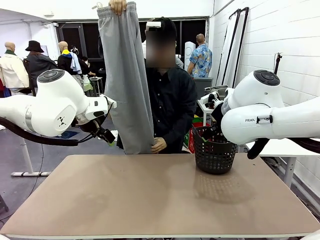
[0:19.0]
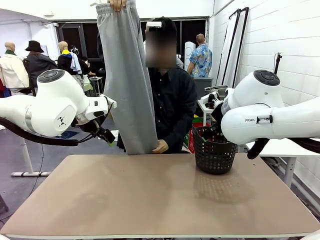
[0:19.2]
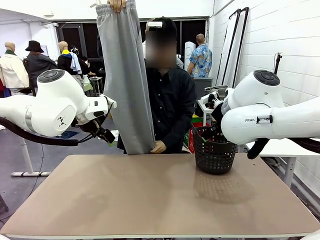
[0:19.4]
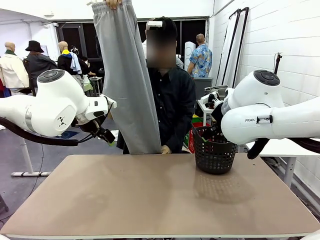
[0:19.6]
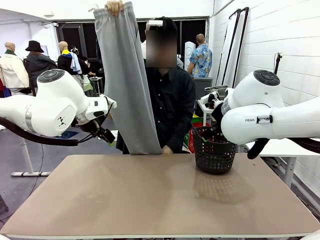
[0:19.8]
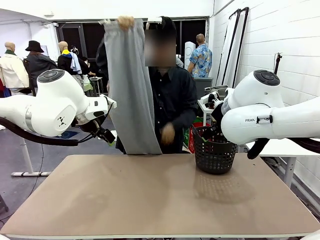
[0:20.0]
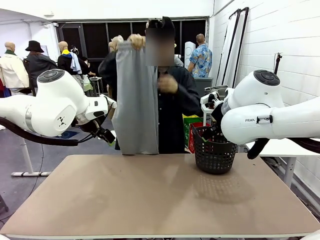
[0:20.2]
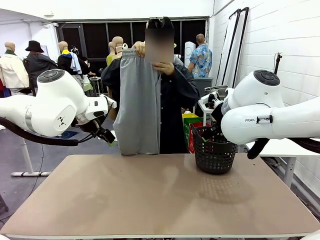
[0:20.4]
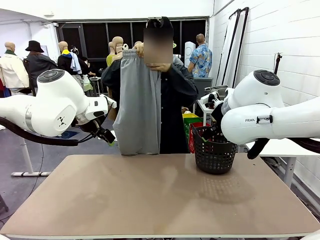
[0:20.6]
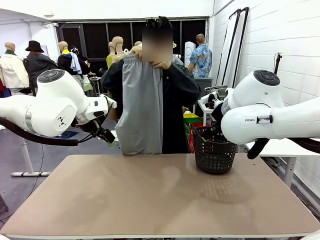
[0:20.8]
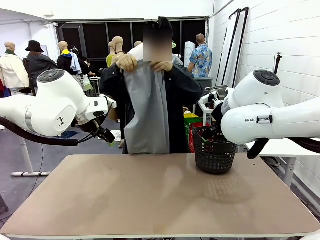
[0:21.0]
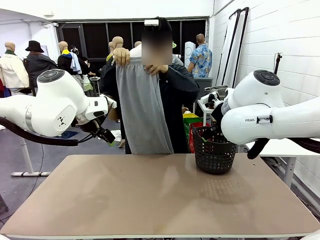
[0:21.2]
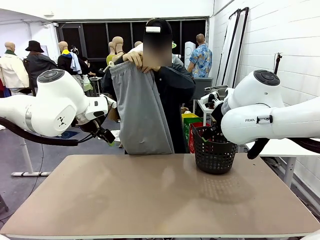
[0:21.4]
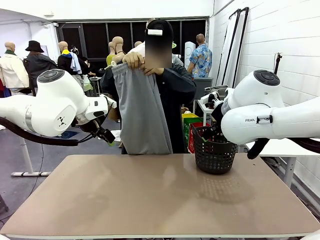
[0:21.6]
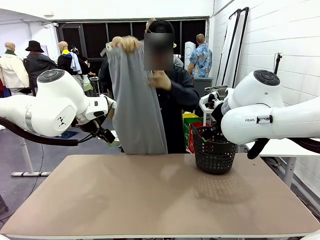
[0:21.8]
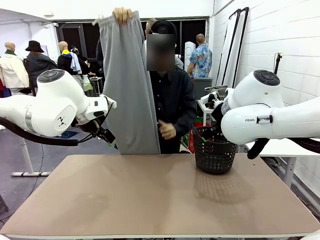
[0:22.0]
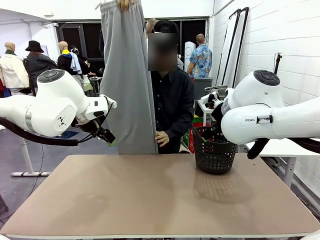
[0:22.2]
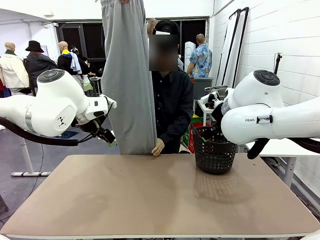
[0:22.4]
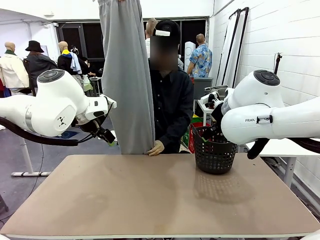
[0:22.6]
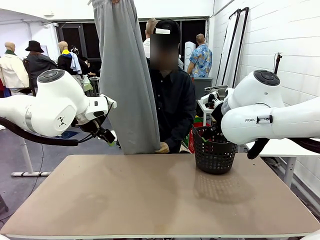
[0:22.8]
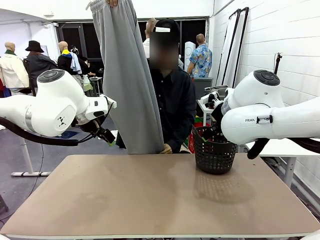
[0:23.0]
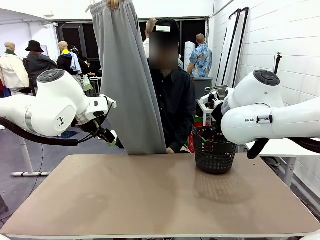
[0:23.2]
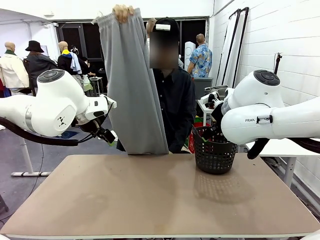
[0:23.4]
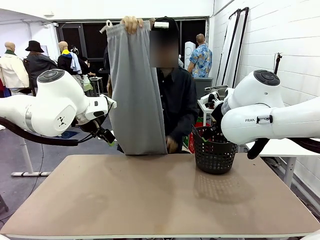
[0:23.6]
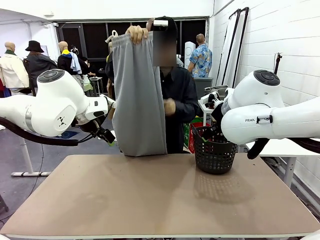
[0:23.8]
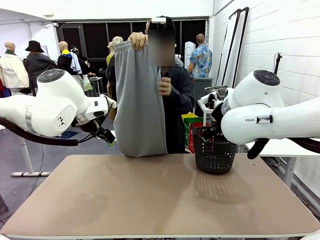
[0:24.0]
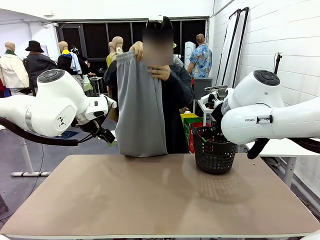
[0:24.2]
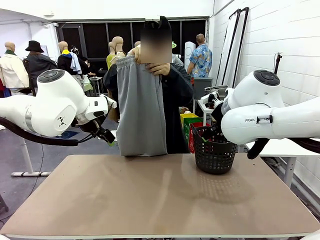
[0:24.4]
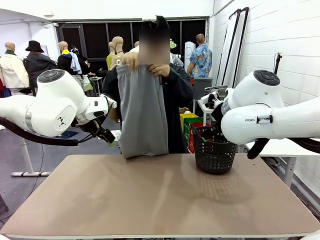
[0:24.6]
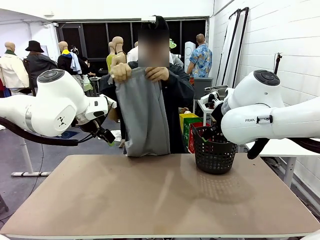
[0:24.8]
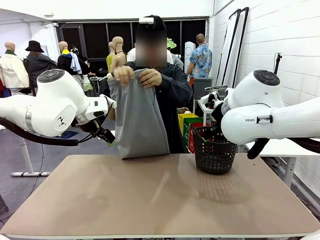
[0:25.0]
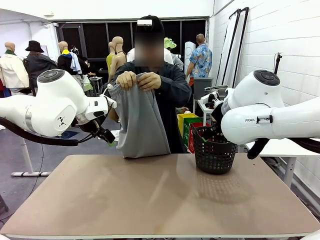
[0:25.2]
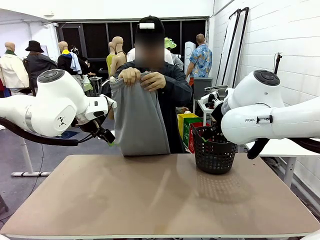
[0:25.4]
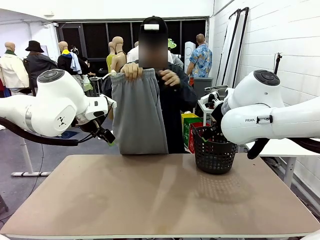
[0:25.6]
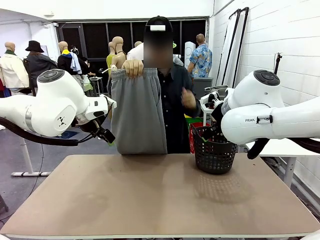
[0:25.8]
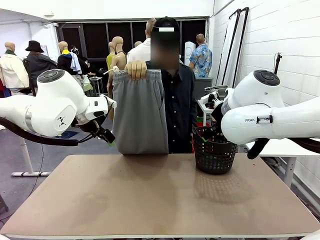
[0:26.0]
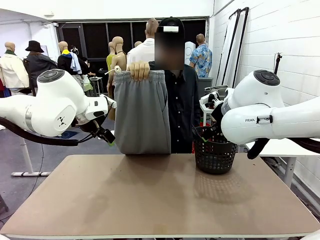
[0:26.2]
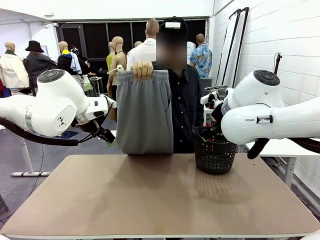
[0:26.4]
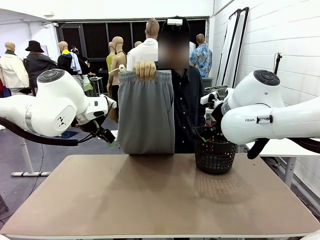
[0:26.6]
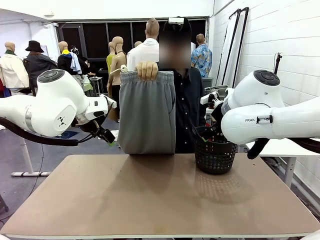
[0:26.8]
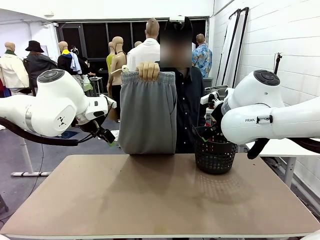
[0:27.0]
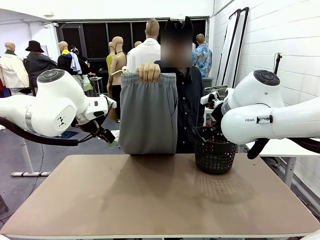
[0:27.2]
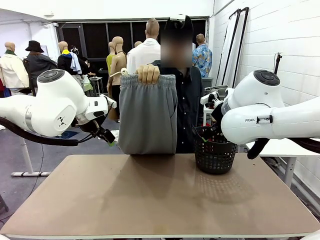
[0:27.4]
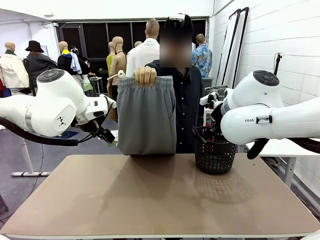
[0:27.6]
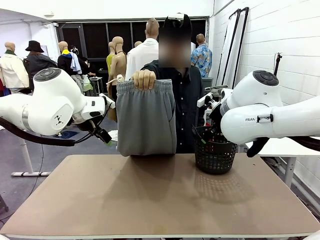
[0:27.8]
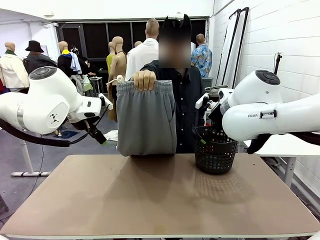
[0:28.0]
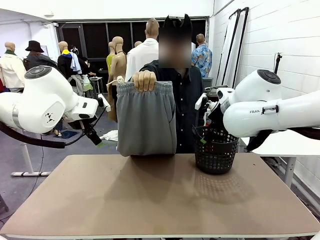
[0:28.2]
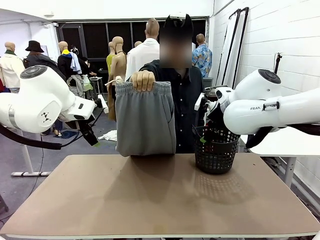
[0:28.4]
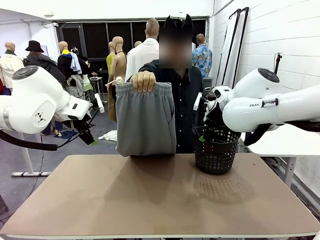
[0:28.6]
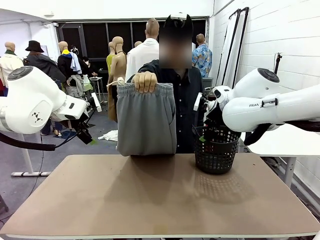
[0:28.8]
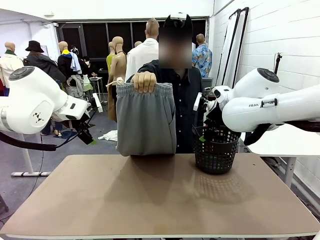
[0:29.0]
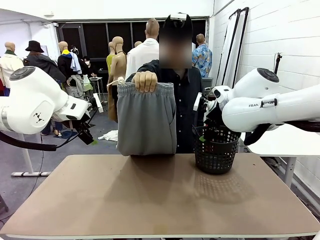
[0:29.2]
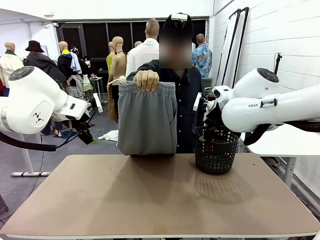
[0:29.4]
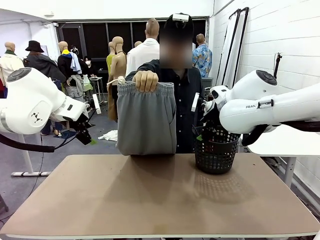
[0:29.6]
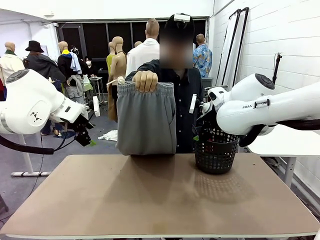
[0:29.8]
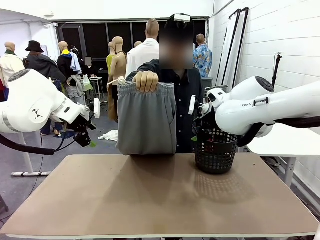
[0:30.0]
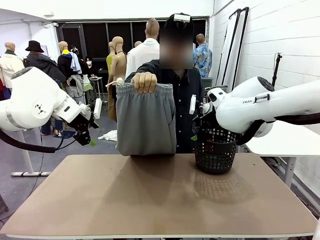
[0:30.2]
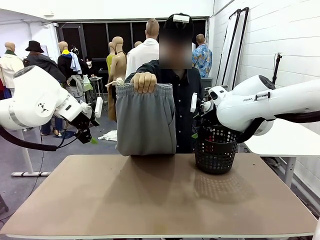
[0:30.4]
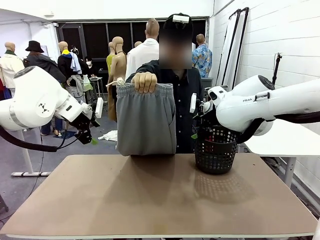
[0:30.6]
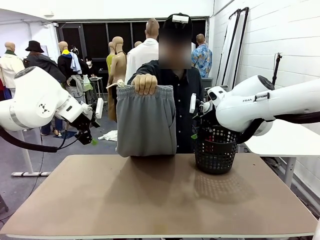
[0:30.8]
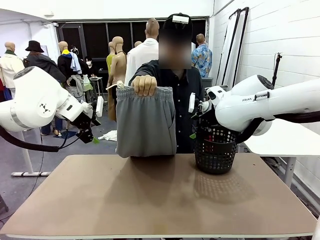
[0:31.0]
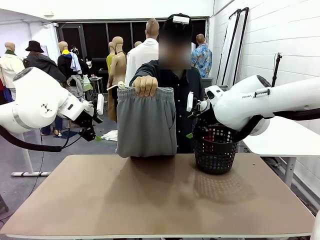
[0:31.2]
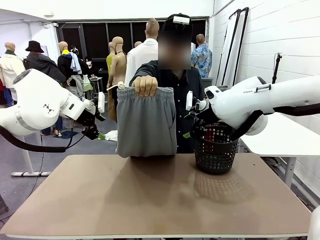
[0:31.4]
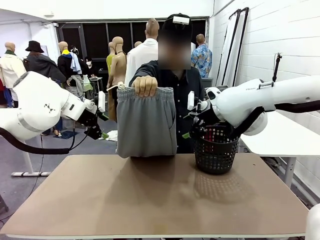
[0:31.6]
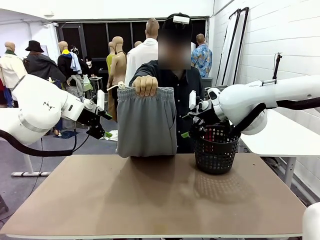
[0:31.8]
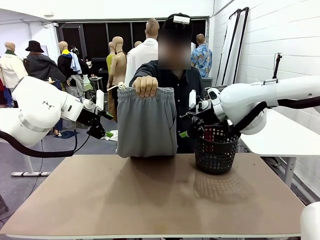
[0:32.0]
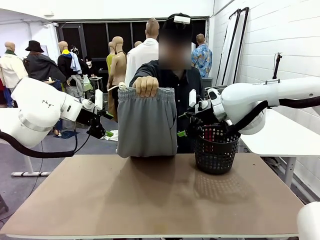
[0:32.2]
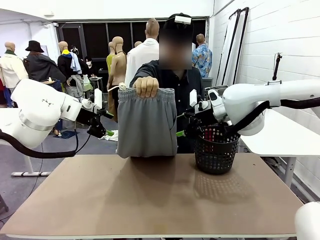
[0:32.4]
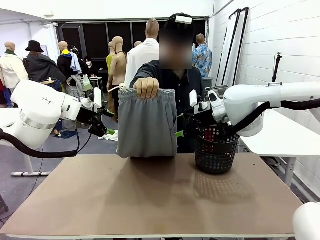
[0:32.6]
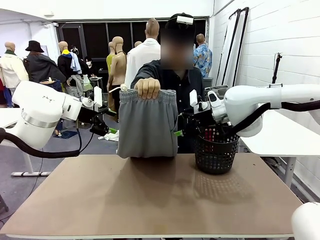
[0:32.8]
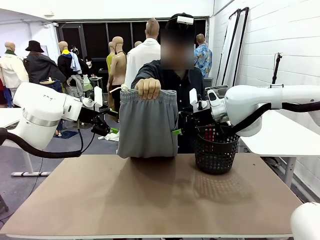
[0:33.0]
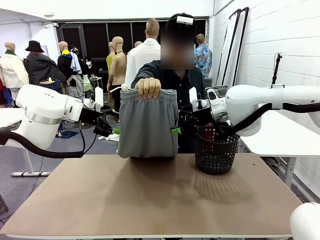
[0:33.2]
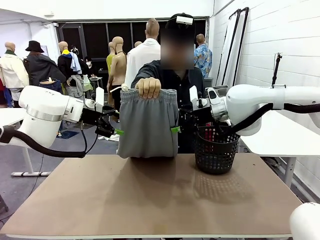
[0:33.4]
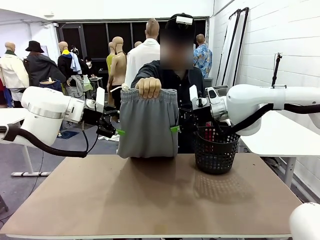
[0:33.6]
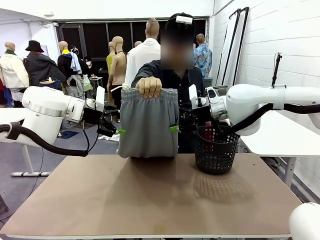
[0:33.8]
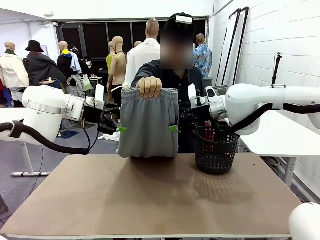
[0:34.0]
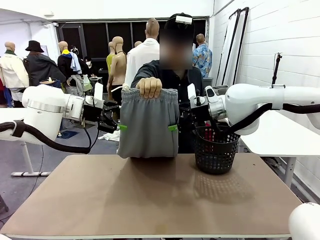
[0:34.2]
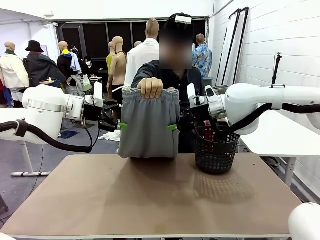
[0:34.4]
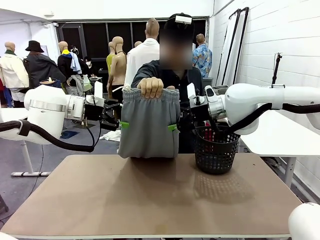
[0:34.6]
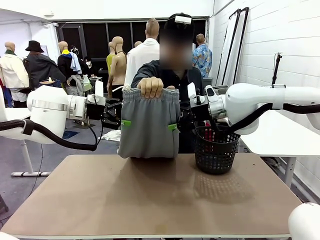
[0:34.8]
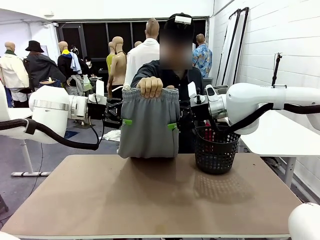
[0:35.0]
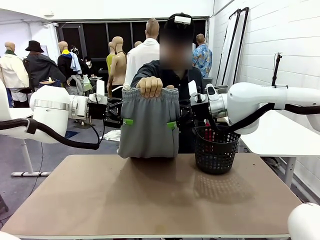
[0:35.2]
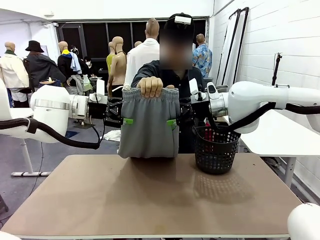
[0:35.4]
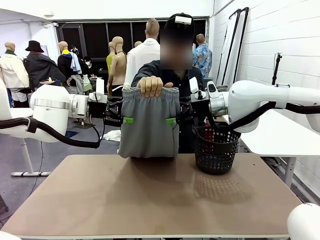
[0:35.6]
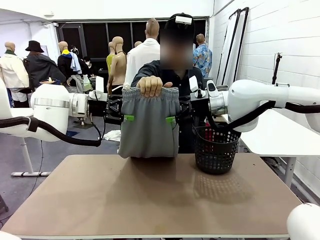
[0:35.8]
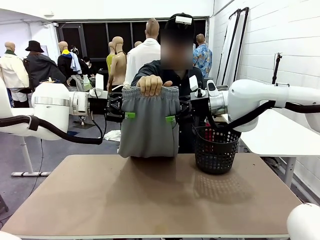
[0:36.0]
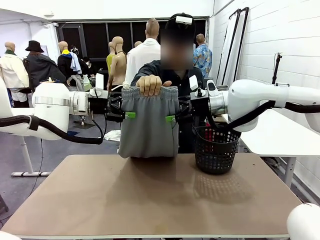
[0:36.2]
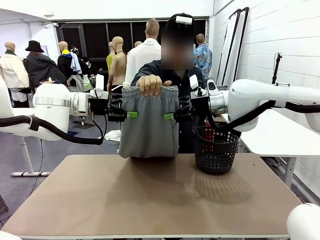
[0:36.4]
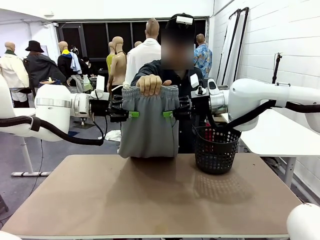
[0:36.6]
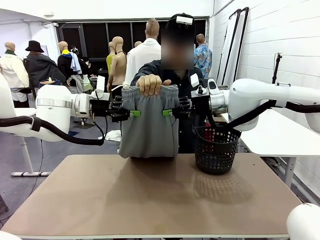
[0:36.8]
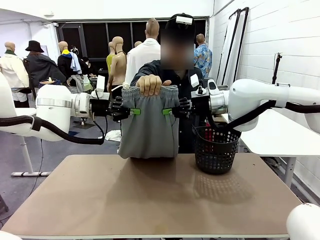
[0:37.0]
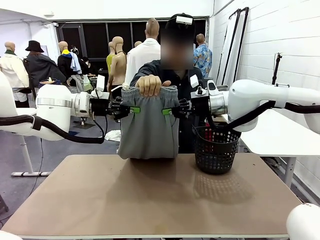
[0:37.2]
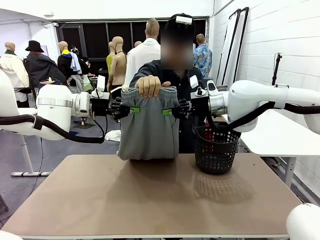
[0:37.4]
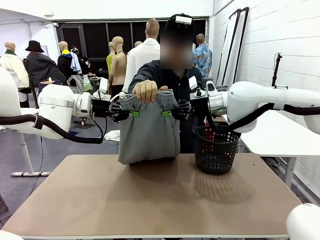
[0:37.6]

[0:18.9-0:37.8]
Task: Fold the training pants.
Robot: Grab both ends of the Training pants handed by a person.
